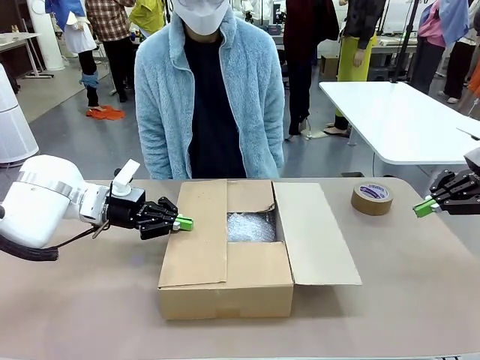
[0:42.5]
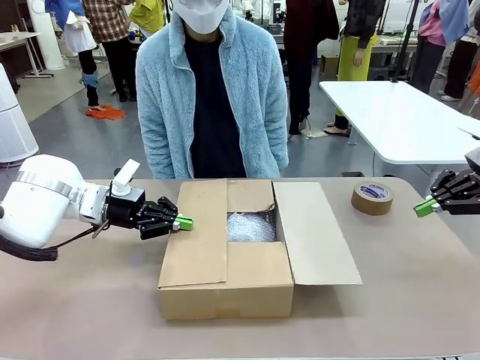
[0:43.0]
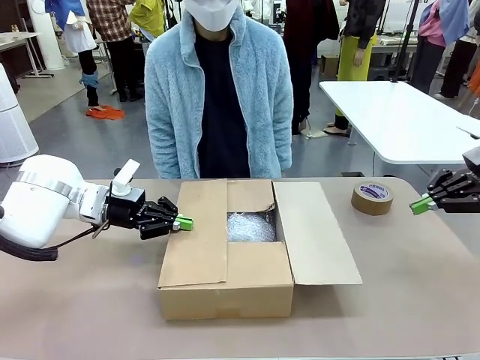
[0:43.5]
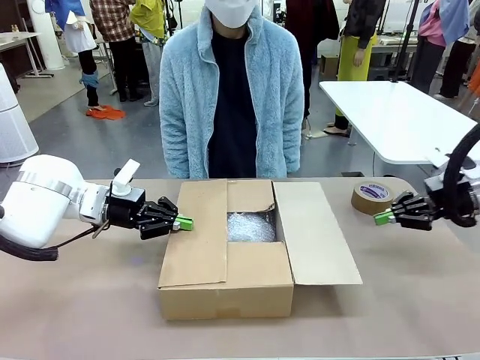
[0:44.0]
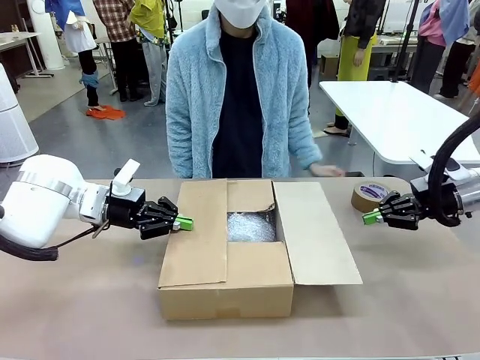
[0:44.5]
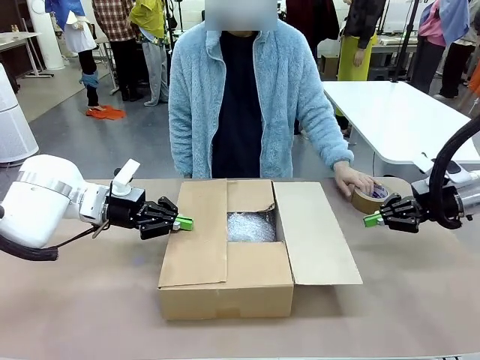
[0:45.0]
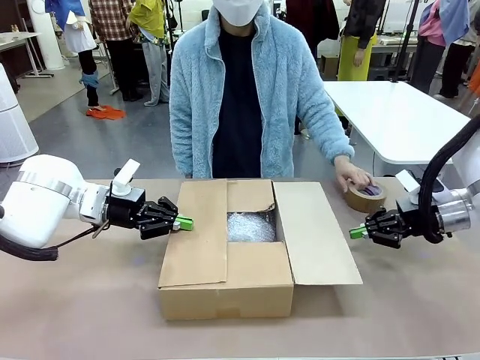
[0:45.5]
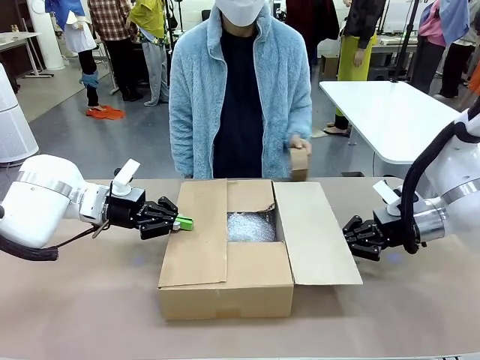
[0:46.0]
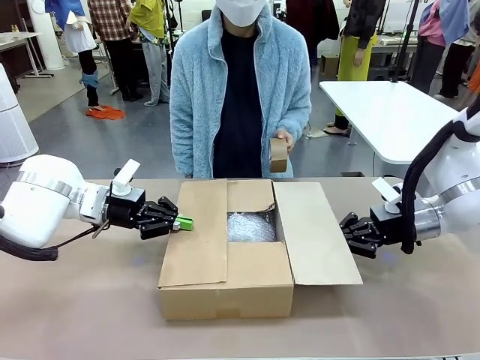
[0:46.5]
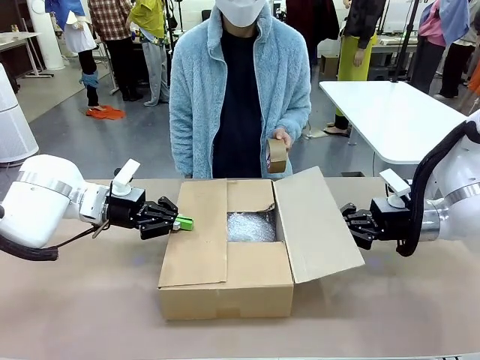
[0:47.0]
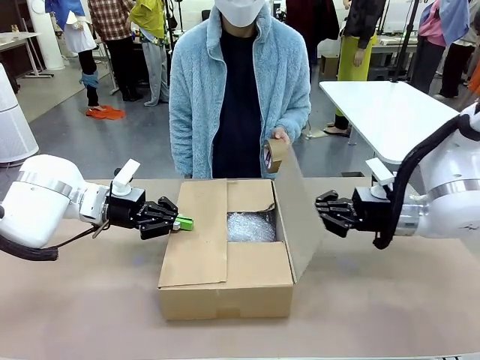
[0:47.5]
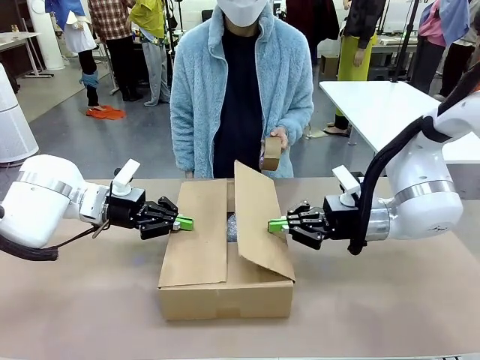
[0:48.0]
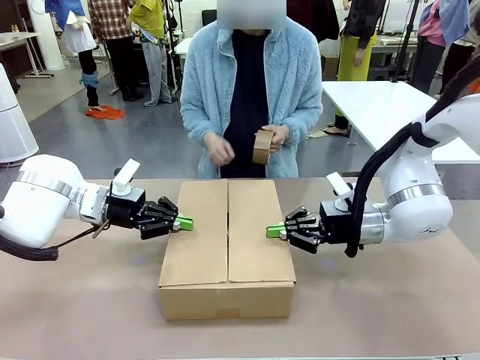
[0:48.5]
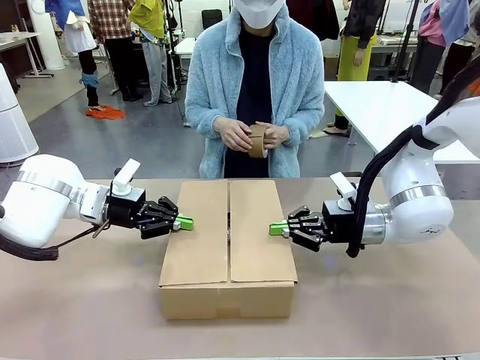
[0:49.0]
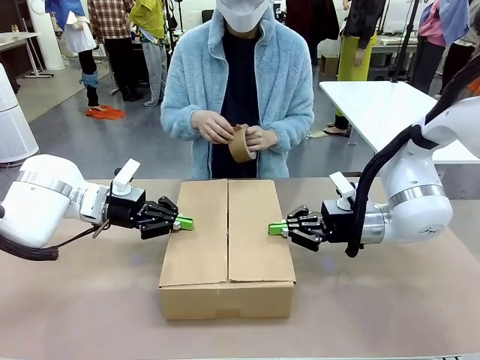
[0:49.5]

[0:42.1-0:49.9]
Task: Wrap the clocks to prevent damage.
Robot: Push the left (or right) flap of the Package Box to close it.

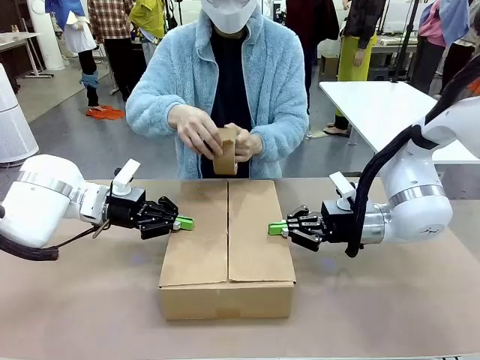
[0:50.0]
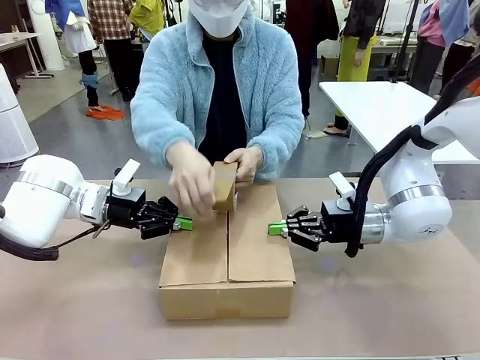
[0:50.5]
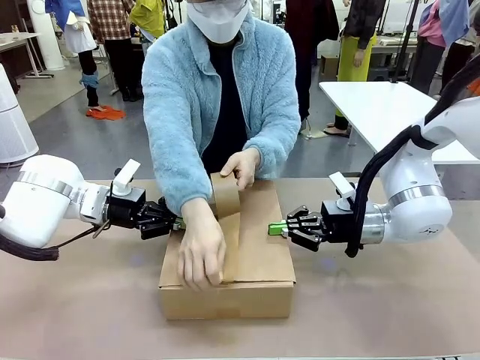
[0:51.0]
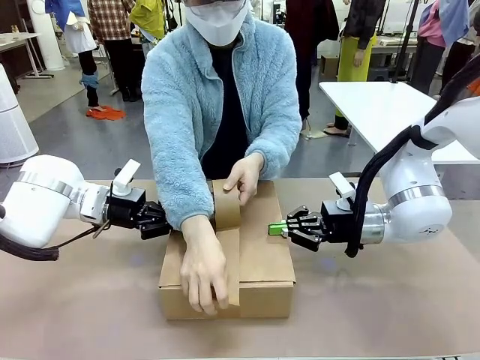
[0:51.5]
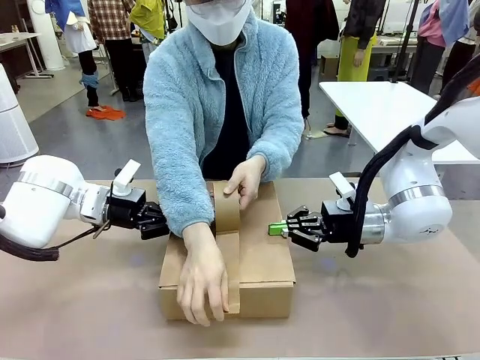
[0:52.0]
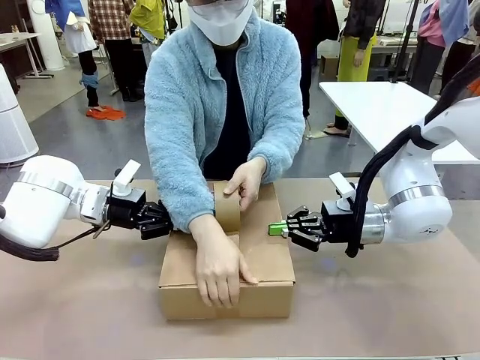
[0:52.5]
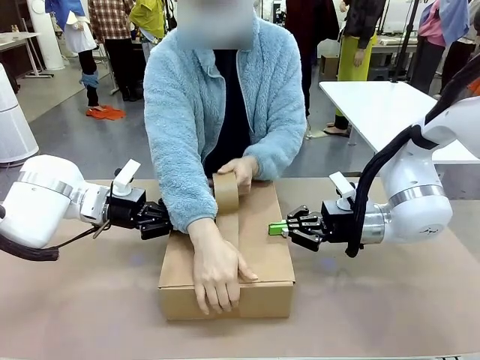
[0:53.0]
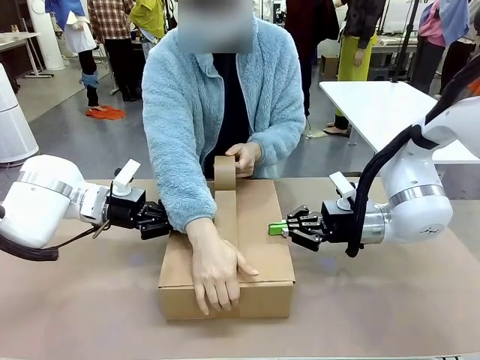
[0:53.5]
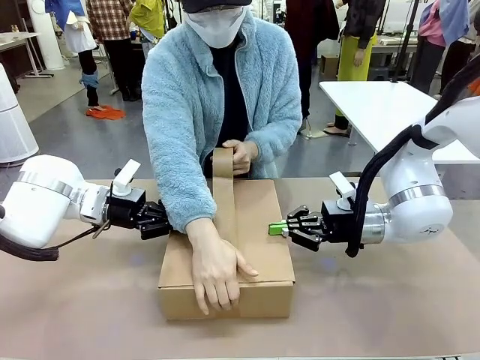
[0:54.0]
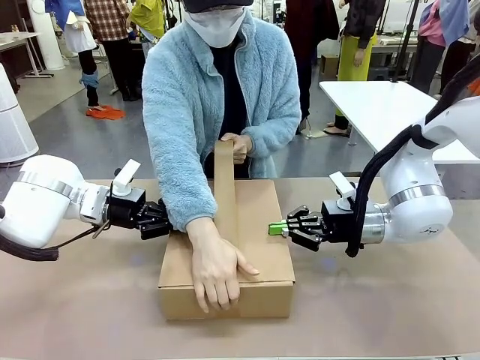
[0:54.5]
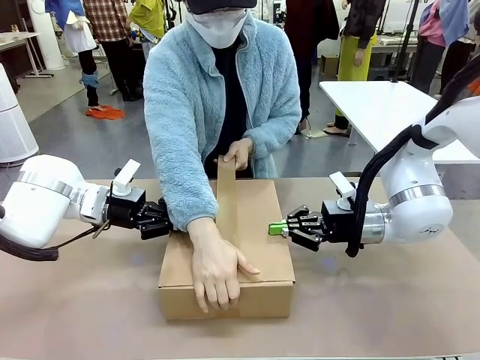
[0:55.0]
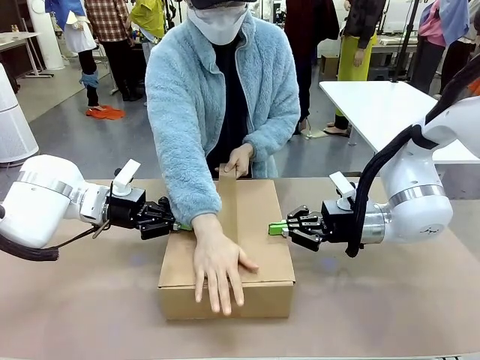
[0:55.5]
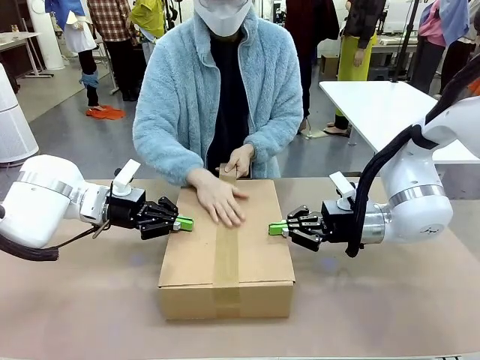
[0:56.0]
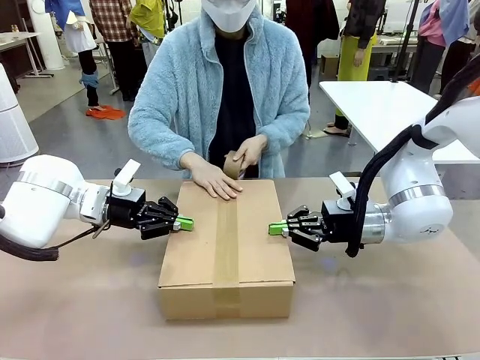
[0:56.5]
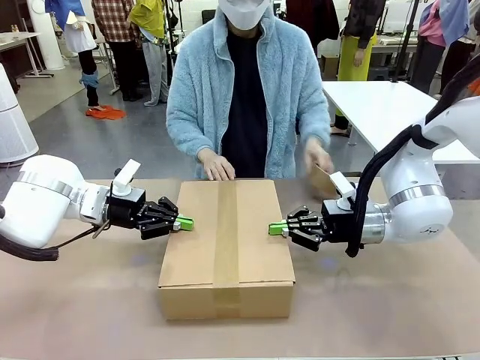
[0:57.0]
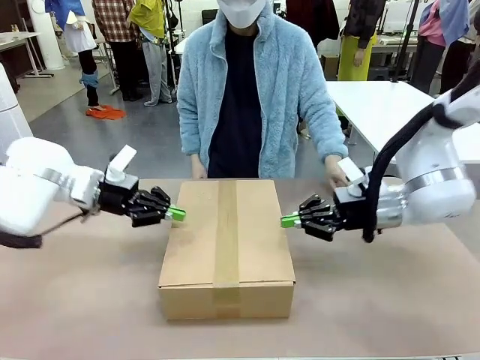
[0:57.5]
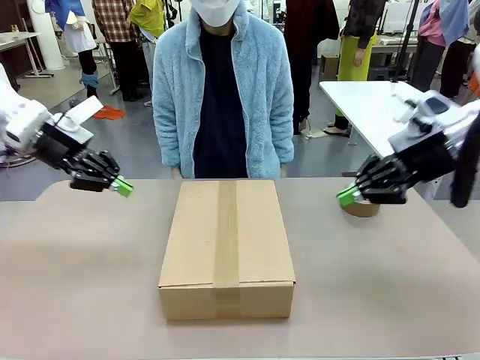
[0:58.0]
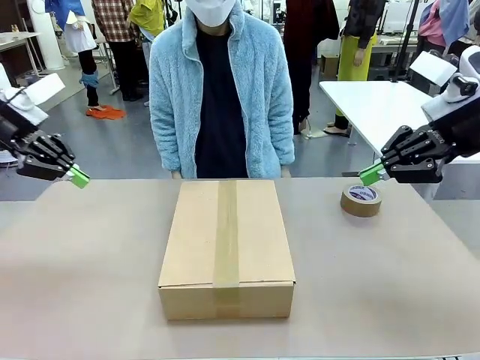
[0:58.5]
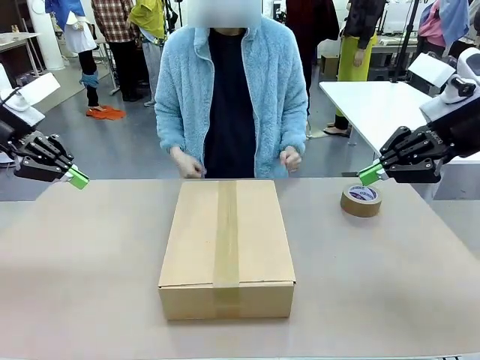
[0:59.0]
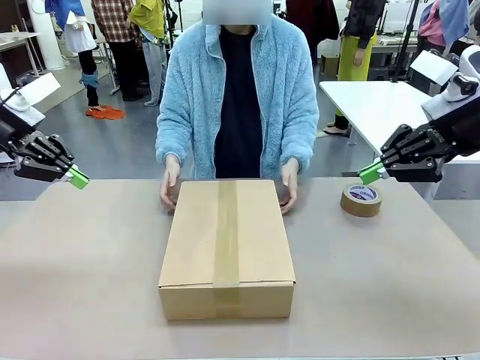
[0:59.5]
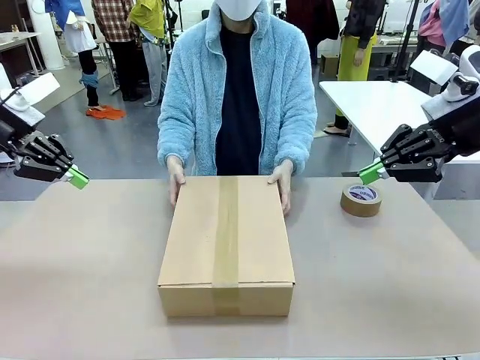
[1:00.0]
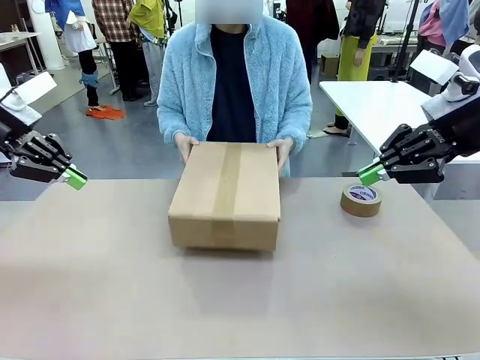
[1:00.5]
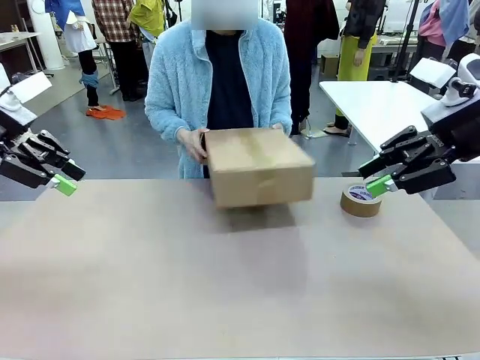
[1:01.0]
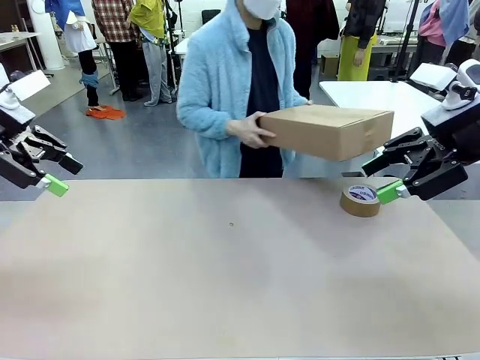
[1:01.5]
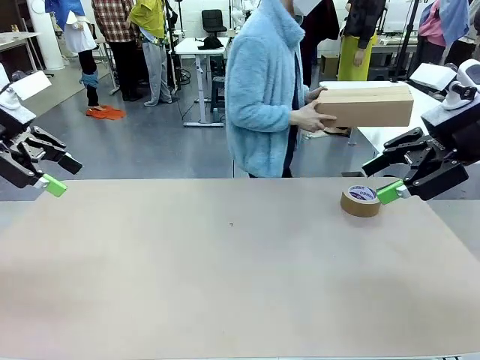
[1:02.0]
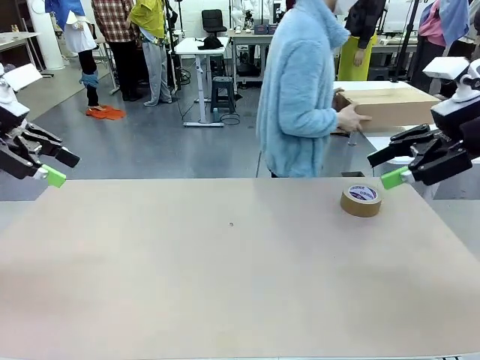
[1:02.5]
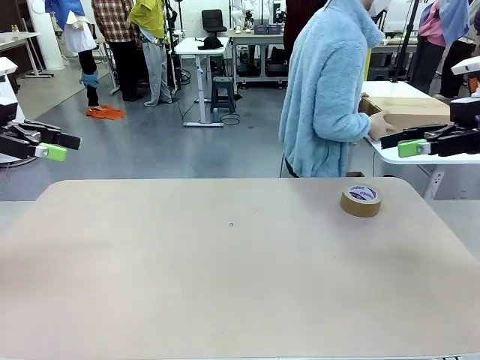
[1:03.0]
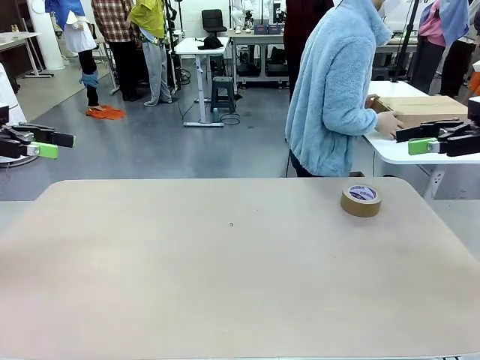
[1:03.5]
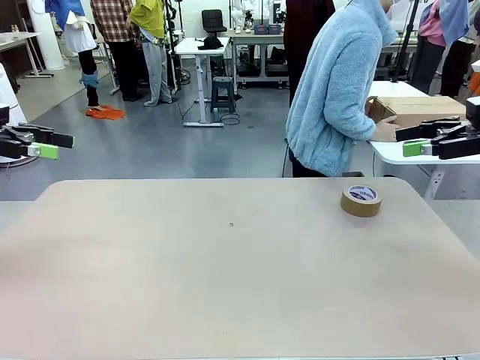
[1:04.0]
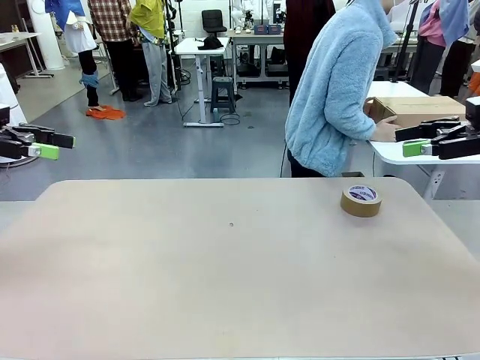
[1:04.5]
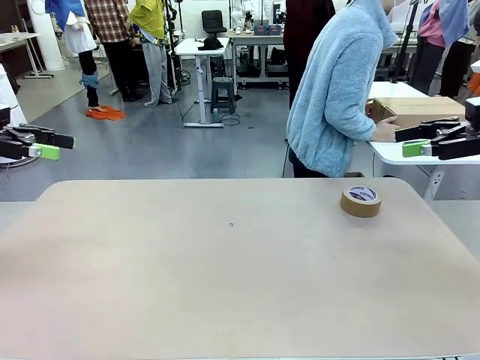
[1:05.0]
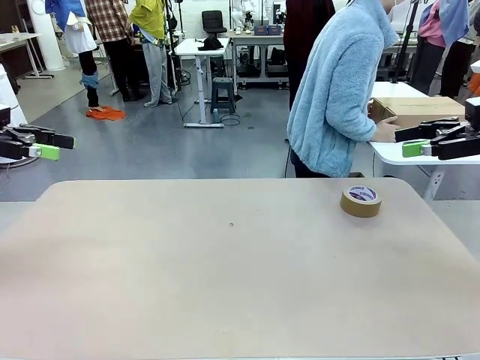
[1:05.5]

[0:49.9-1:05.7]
Robot: After the human seals the box with tape, release both hands from the side flaps of the Package Box.
Person: Once the robot closes the left flap of the Package Box , seal the box with Paper Tape. Place sealed Package Box in the middle of the human's table.
